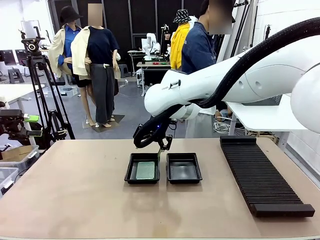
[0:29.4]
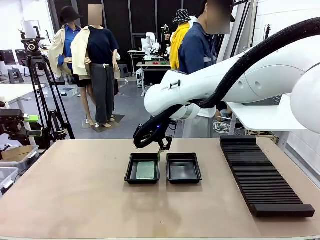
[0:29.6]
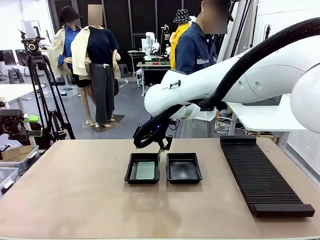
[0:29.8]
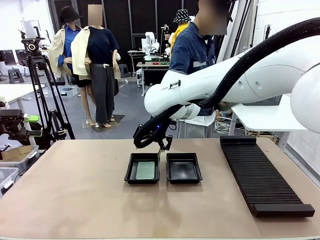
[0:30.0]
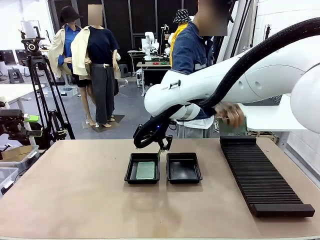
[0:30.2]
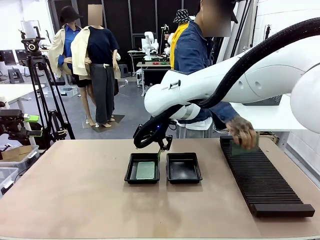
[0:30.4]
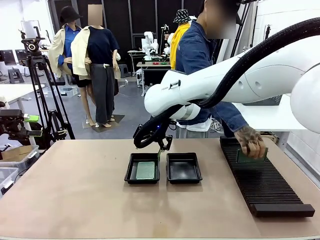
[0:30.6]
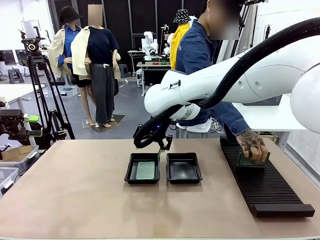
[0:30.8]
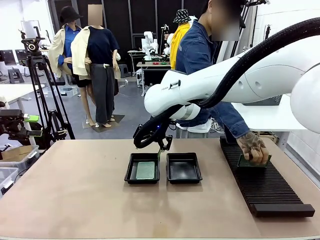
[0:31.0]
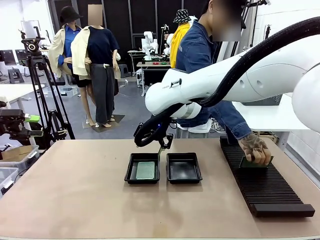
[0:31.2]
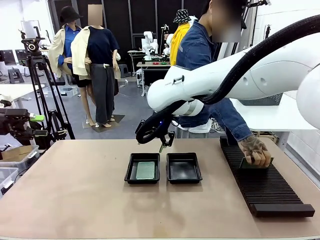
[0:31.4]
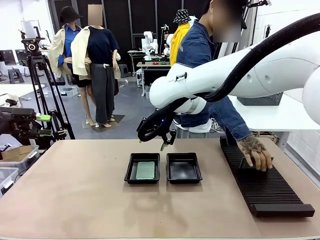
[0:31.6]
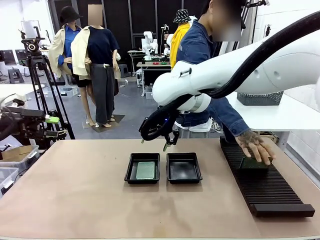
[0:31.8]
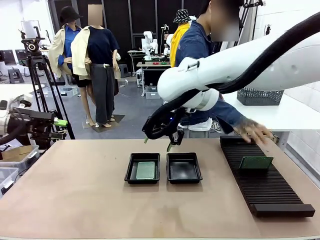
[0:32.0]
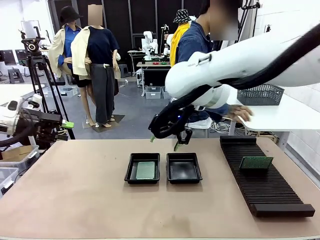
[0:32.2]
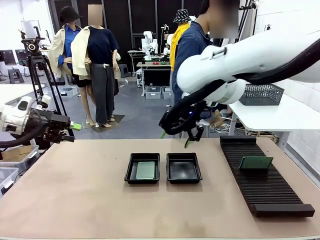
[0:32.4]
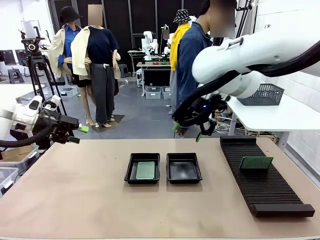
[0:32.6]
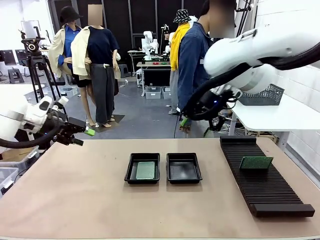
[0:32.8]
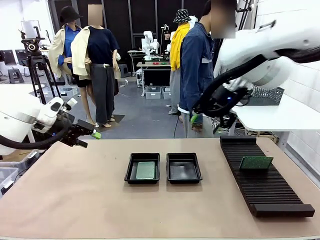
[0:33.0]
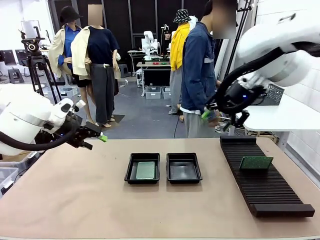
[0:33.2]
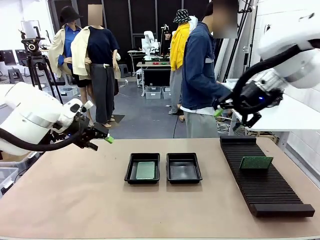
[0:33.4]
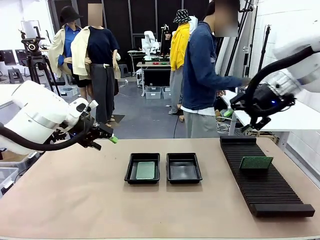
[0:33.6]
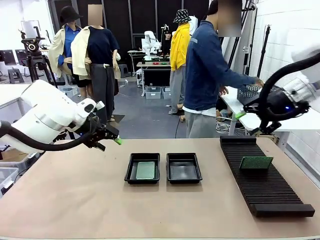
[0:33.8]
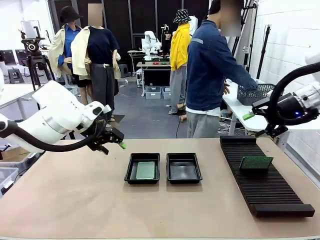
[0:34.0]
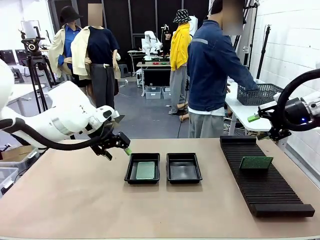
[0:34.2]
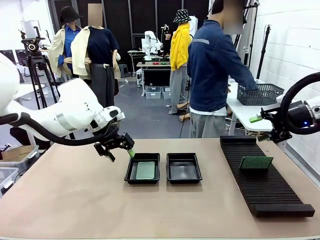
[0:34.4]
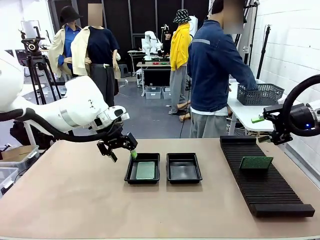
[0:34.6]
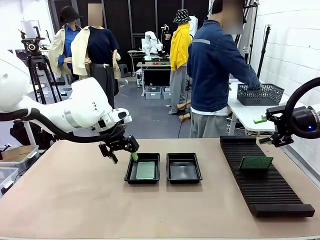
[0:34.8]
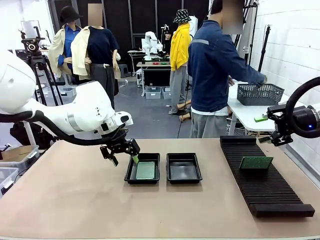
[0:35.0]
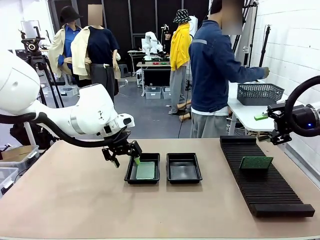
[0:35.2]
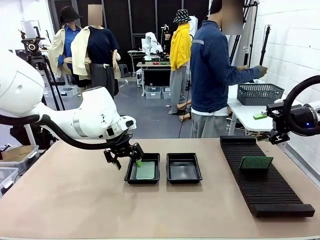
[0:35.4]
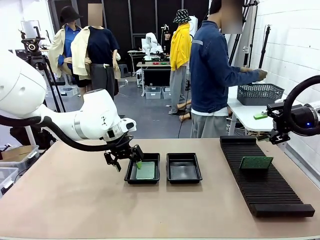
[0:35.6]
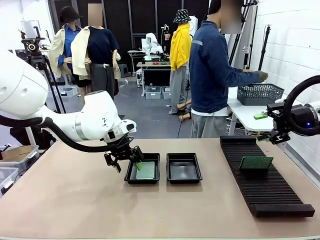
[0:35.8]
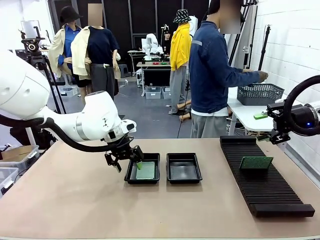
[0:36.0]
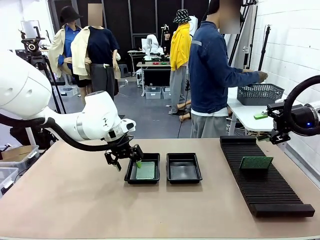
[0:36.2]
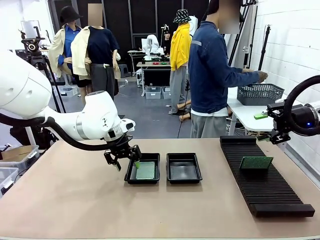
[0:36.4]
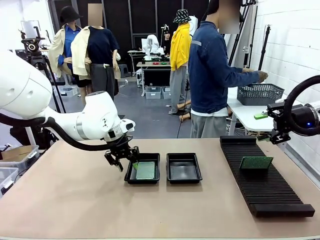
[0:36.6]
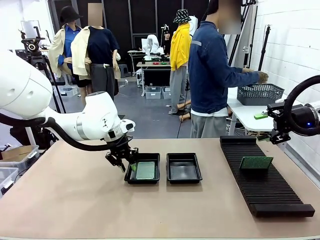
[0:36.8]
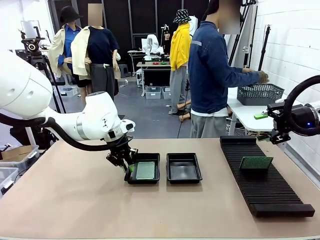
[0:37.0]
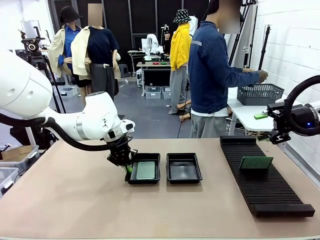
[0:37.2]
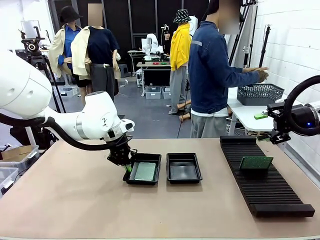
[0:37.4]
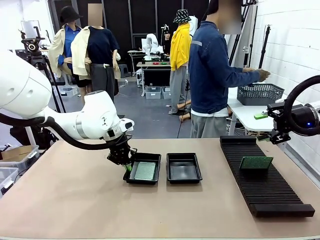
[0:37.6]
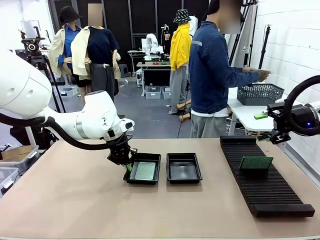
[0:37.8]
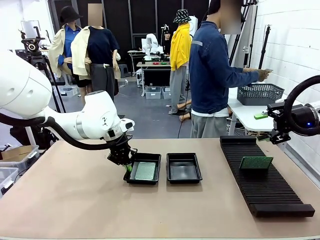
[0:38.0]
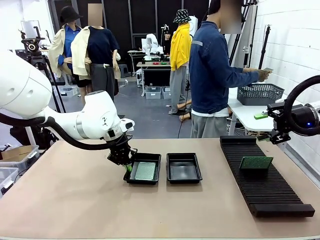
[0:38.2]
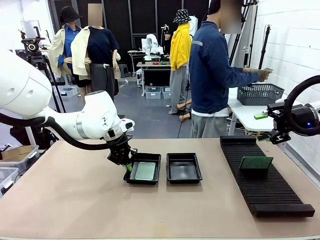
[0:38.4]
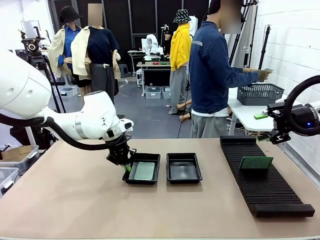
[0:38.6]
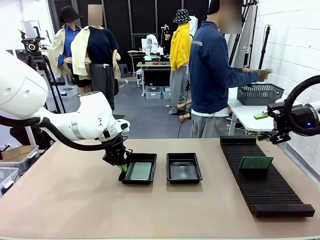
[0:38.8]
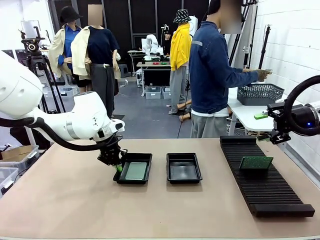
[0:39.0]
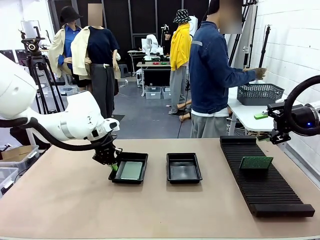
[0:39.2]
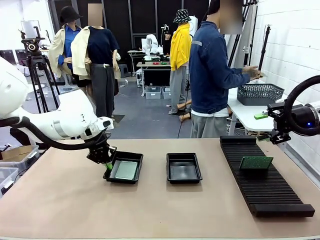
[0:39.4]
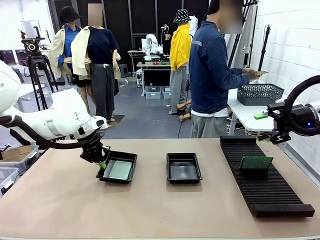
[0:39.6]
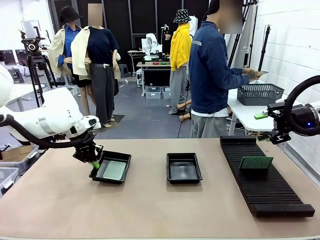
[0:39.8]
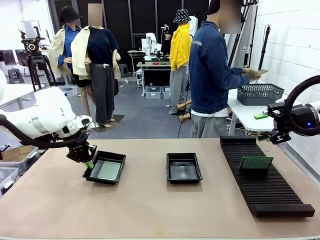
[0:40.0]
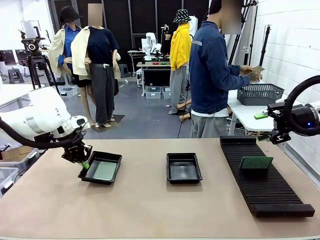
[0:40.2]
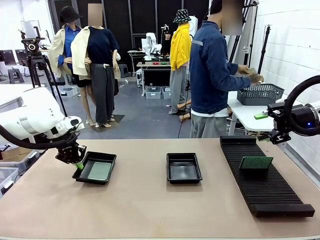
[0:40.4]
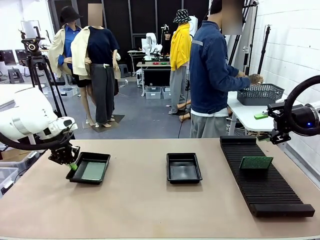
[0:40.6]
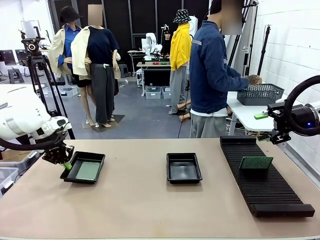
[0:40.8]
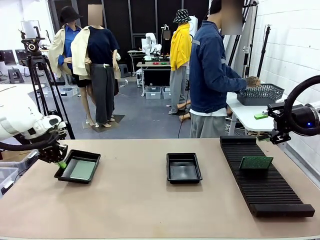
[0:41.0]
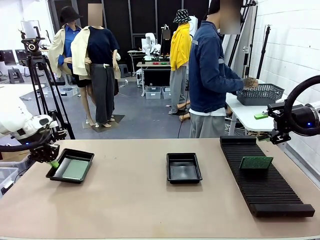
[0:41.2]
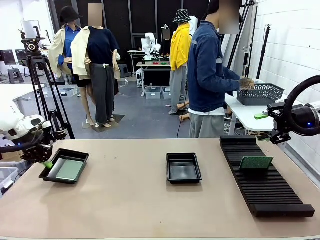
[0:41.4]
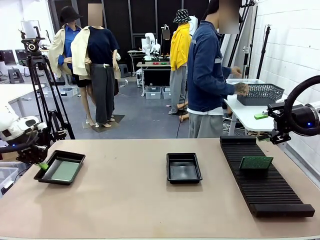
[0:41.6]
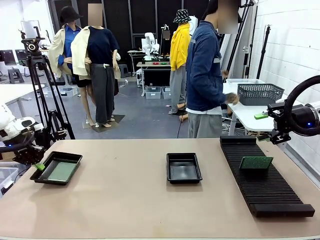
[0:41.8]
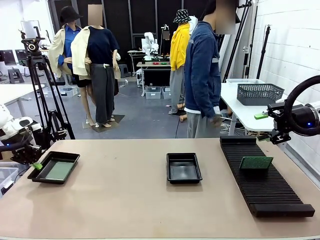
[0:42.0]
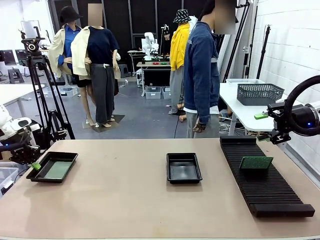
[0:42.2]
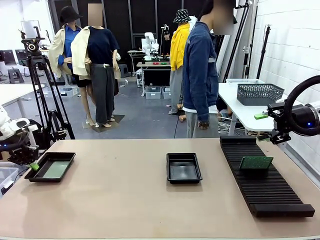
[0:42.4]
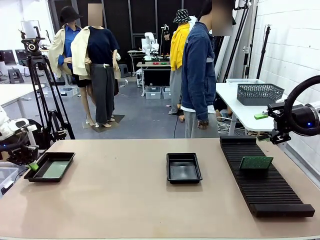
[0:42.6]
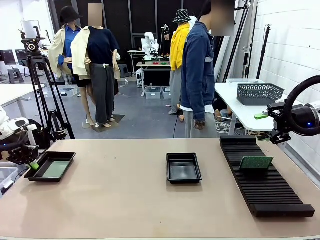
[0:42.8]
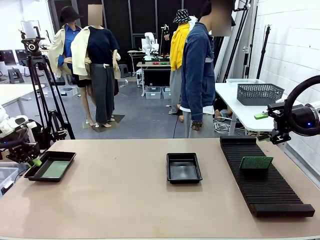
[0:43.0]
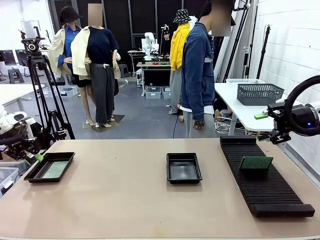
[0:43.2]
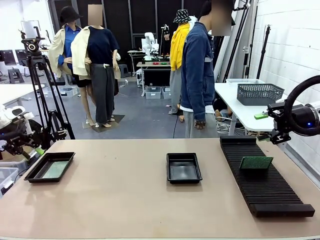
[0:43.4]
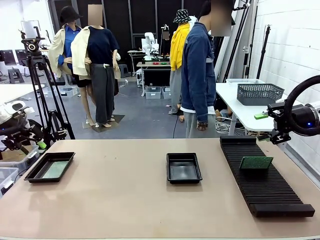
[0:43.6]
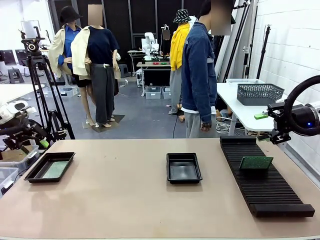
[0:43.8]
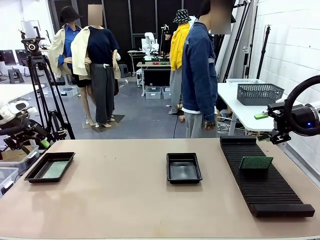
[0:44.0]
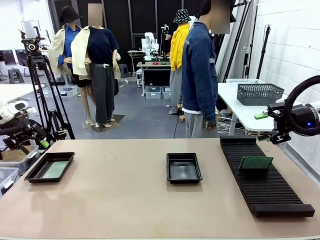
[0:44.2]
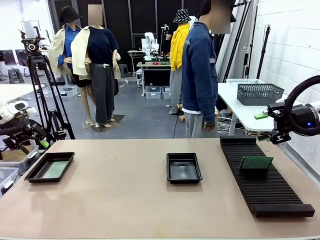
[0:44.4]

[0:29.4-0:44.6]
Task: Inspect and transfer BCBs to ESD trays.
Robot: Pick up the ESD tray and place it on the left side of the table.

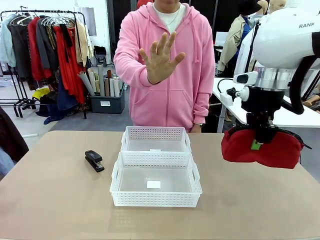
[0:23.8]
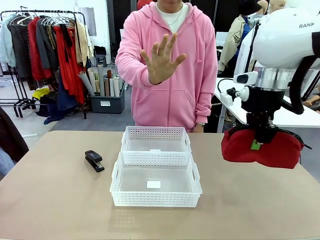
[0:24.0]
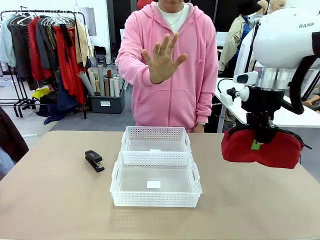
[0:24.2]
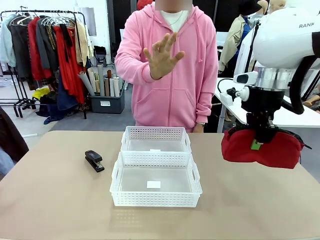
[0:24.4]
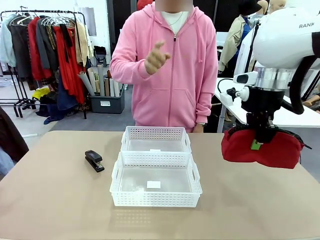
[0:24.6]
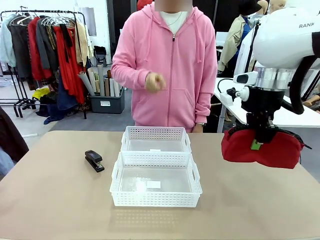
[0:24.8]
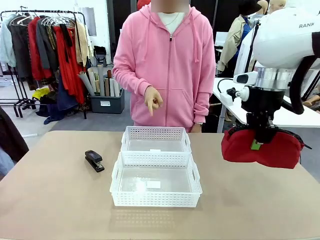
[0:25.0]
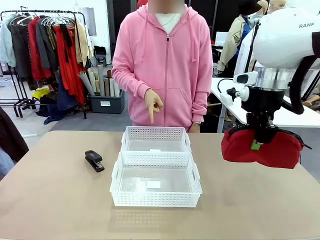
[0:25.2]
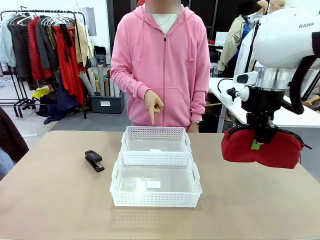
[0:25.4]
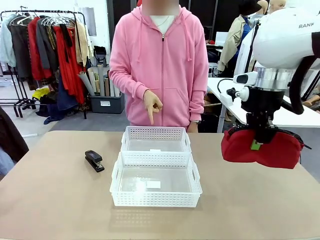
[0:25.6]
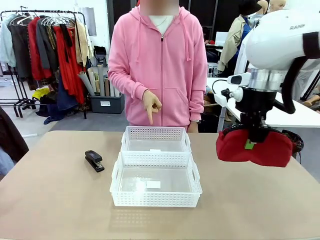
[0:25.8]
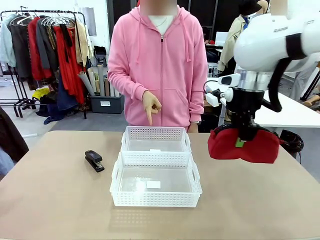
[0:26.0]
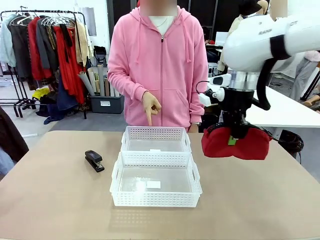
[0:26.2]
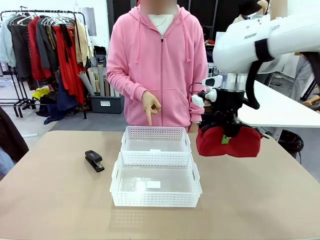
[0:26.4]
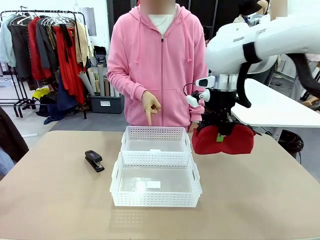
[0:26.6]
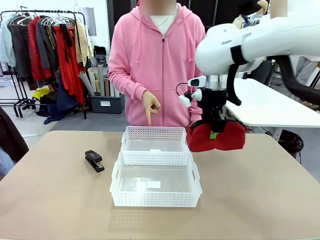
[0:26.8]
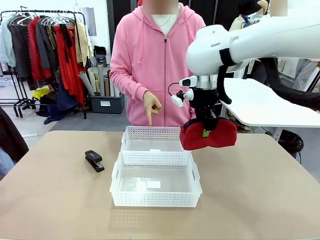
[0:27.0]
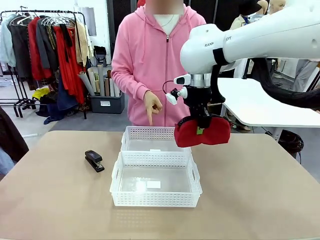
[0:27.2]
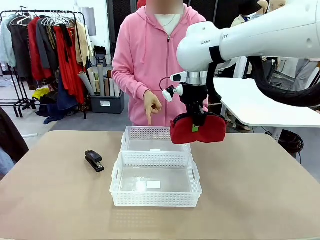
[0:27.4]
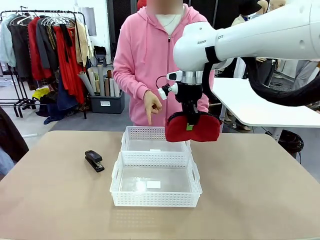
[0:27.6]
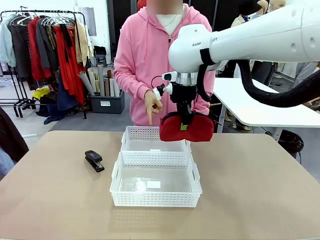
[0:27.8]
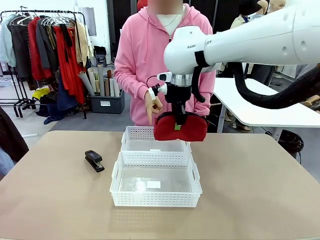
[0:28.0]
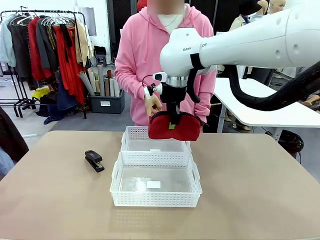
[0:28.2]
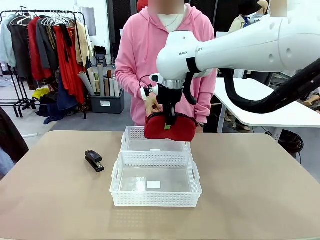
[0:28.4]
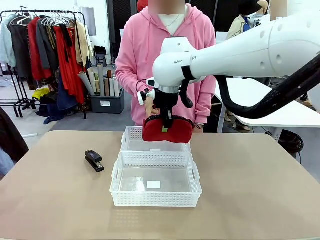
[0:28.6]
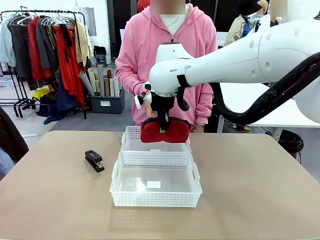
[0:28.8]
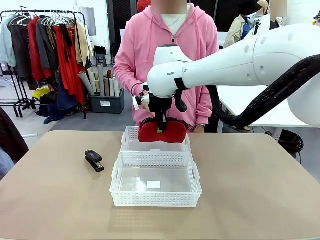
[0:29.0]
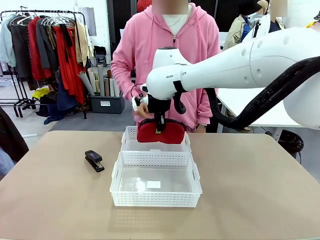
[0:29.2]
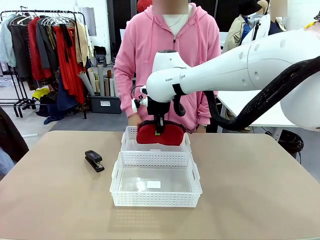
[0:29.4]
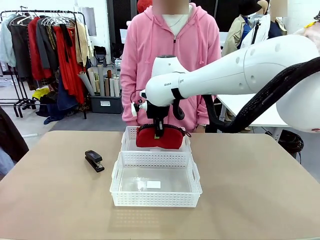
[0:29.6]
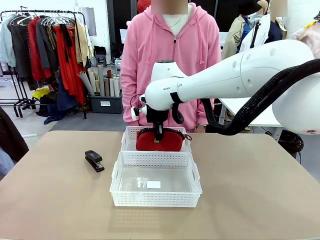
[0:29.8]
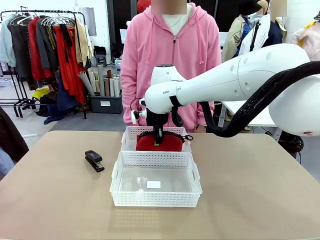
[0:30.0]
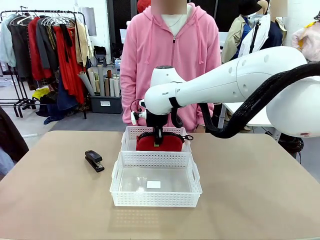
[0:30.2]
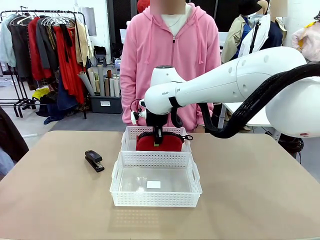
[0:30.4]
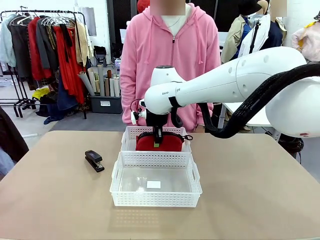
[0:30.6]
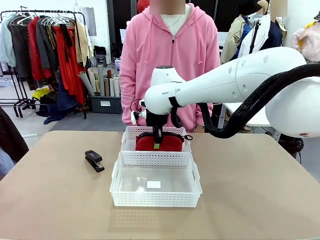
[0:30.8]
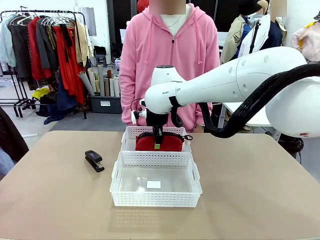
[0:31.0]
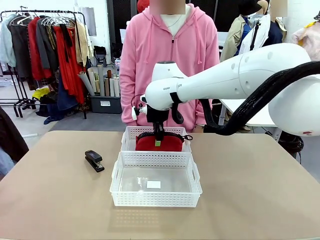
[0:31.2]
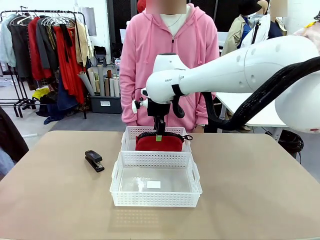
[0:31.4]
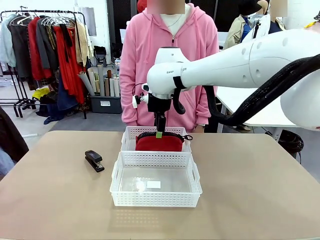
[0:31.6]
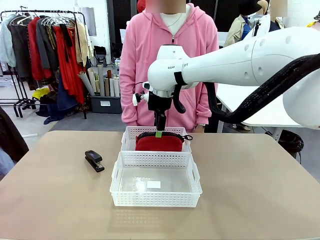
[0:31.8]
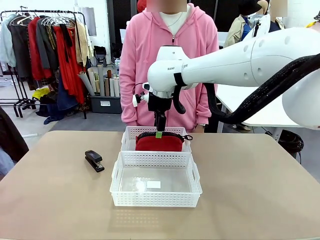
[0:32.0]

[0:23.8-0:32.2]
Task: Distribute items into two baskets.
Robot: Place the picked Pencil pouch into the Organizing basket as instructed by the person.
Person: Instructs the robot to place the pencil case into the opposite basket. Points to the stapler.
